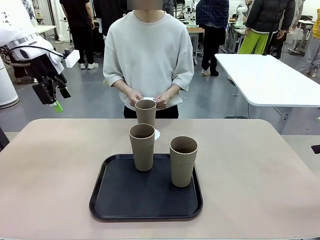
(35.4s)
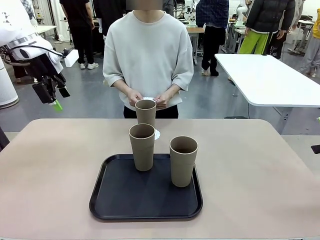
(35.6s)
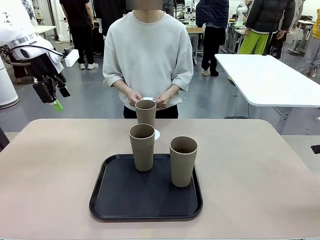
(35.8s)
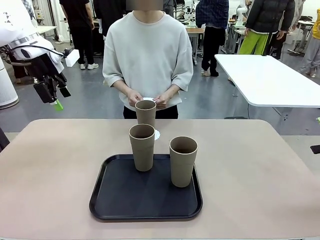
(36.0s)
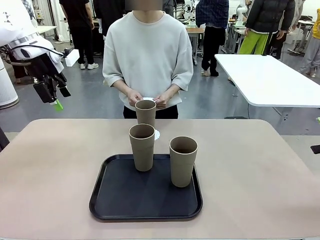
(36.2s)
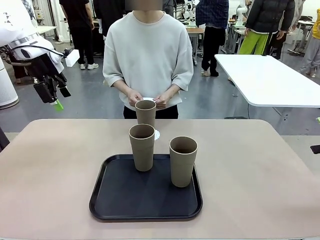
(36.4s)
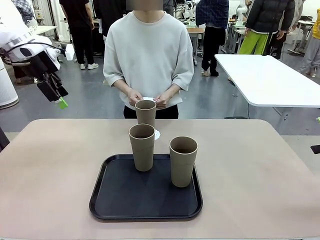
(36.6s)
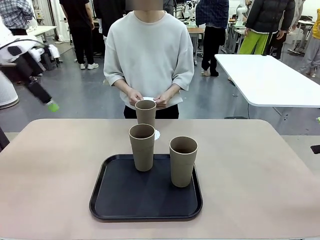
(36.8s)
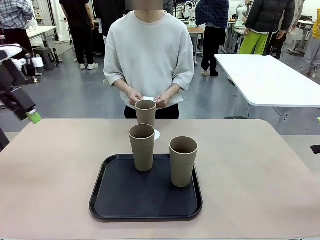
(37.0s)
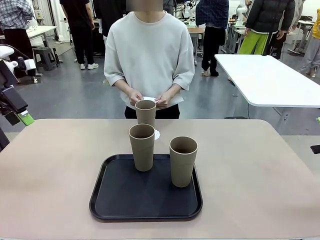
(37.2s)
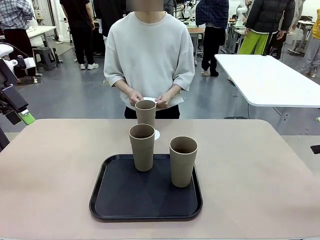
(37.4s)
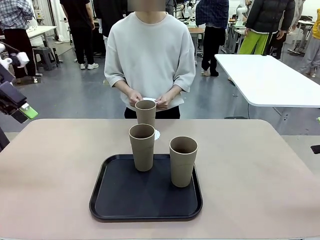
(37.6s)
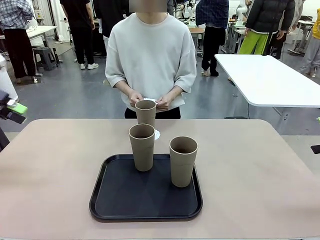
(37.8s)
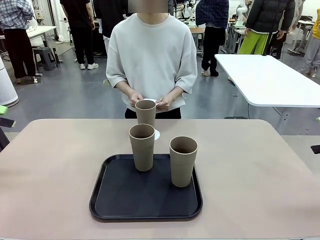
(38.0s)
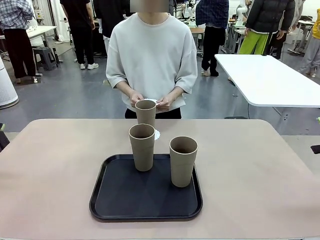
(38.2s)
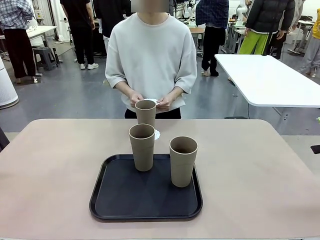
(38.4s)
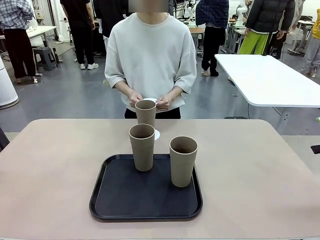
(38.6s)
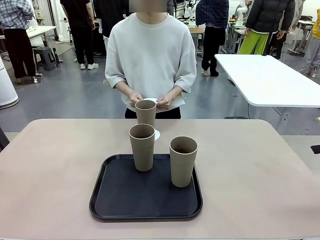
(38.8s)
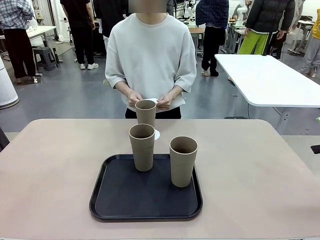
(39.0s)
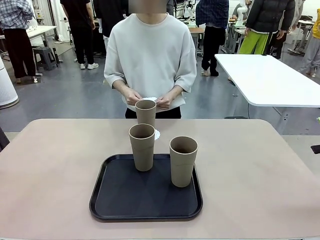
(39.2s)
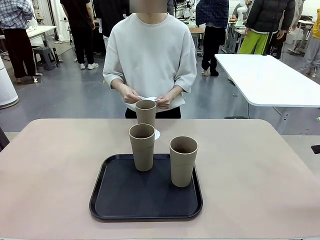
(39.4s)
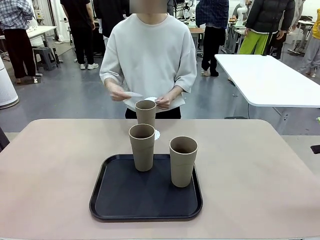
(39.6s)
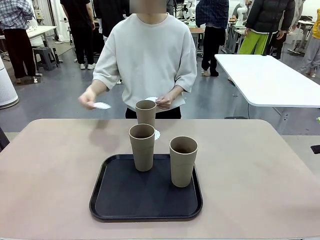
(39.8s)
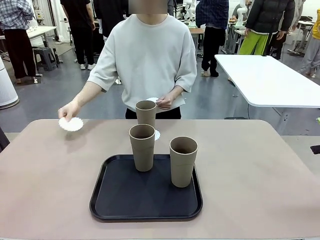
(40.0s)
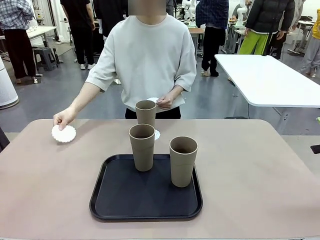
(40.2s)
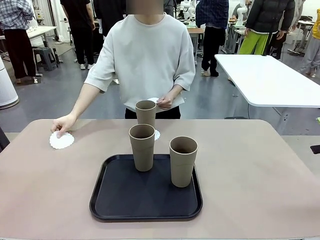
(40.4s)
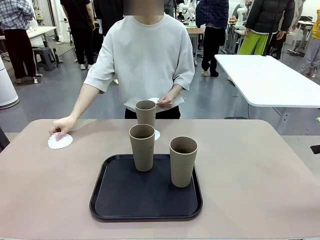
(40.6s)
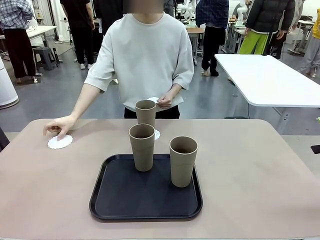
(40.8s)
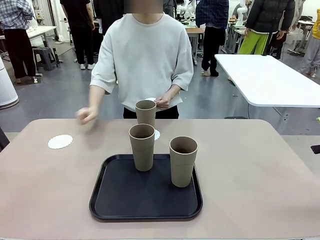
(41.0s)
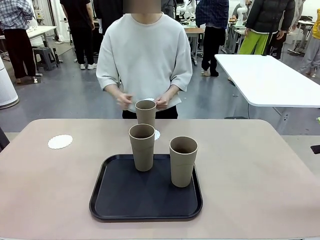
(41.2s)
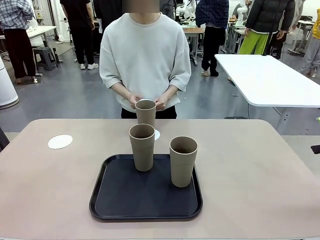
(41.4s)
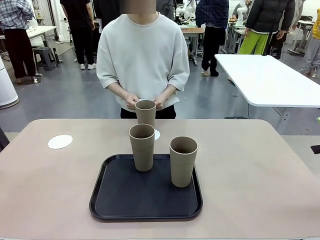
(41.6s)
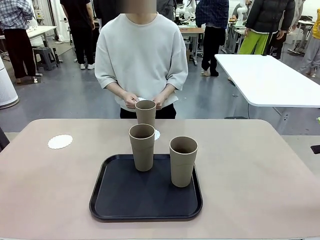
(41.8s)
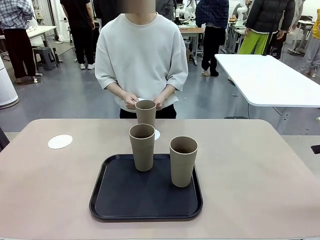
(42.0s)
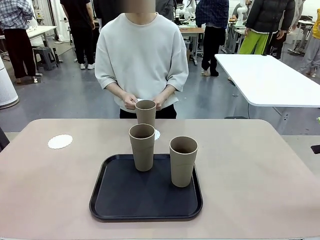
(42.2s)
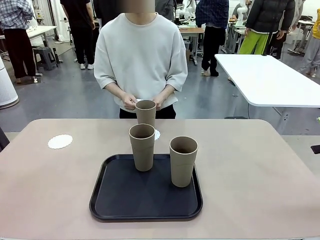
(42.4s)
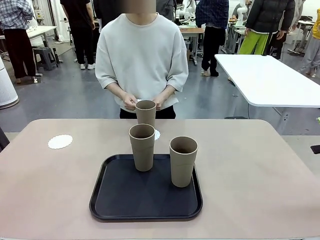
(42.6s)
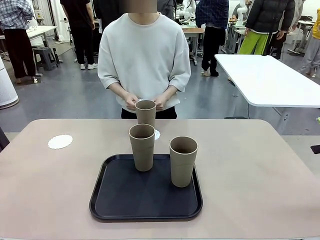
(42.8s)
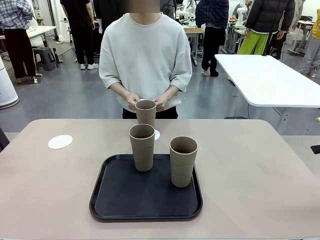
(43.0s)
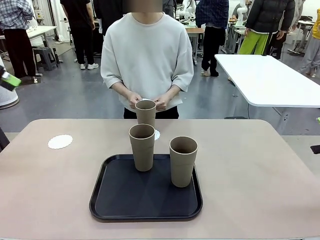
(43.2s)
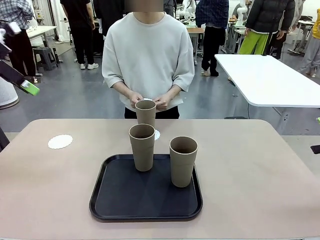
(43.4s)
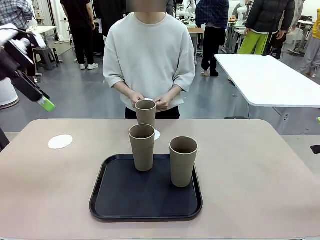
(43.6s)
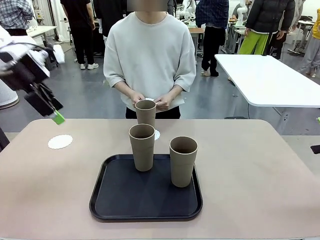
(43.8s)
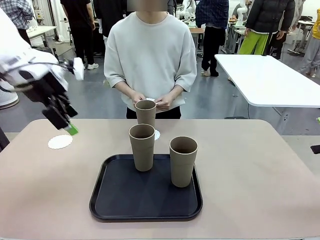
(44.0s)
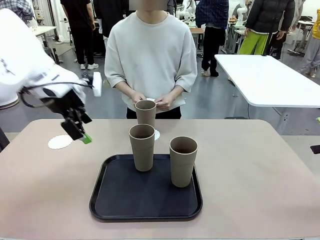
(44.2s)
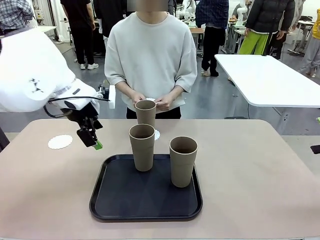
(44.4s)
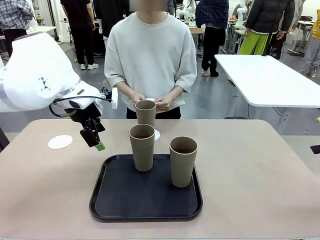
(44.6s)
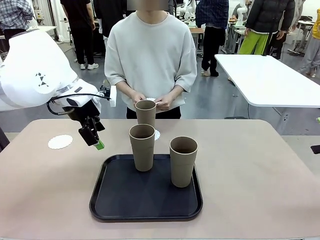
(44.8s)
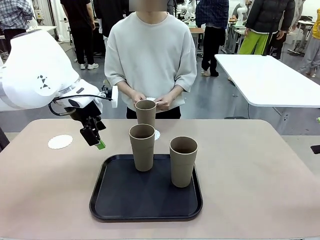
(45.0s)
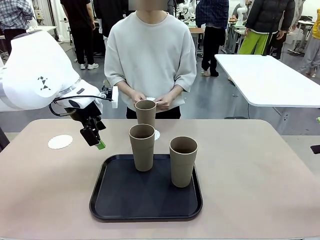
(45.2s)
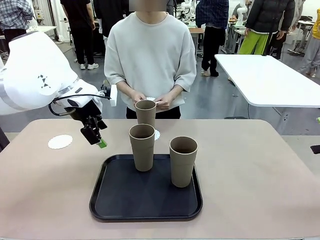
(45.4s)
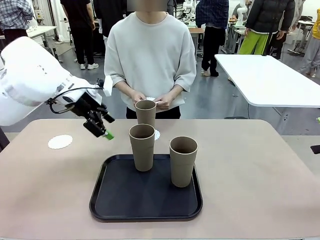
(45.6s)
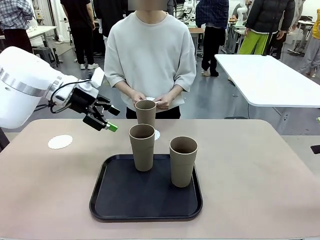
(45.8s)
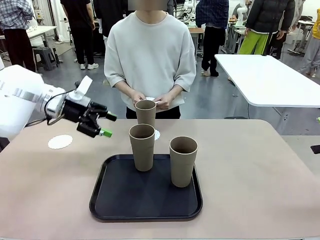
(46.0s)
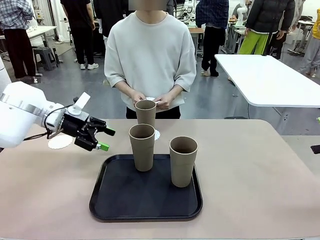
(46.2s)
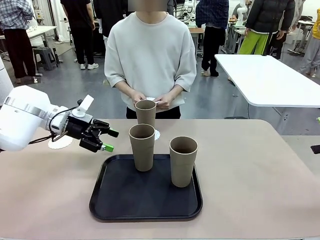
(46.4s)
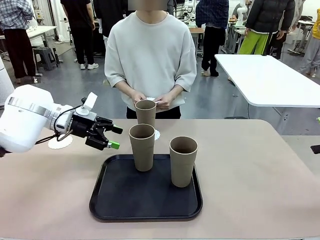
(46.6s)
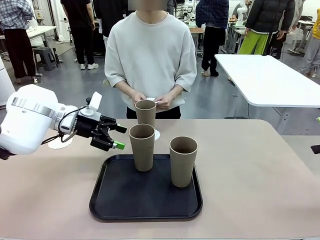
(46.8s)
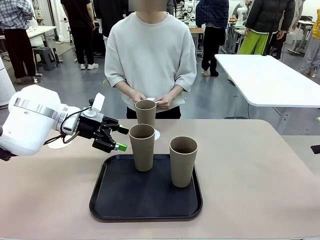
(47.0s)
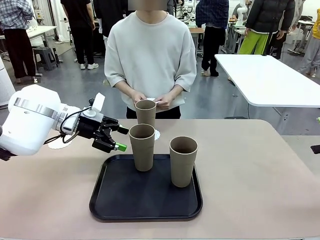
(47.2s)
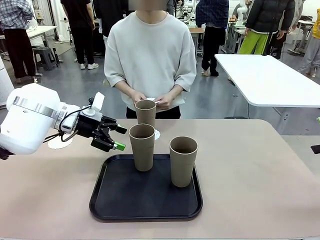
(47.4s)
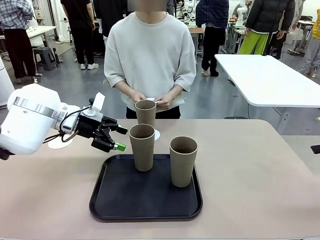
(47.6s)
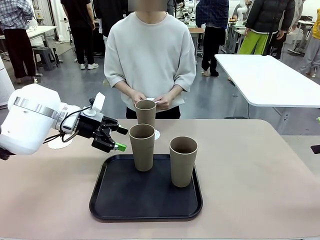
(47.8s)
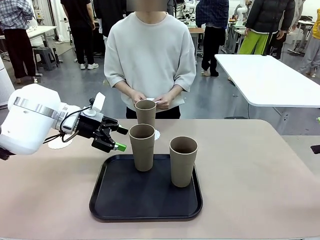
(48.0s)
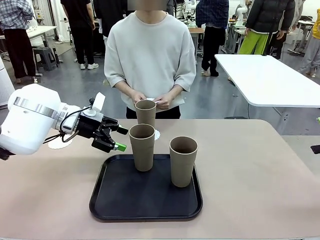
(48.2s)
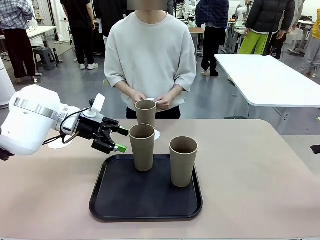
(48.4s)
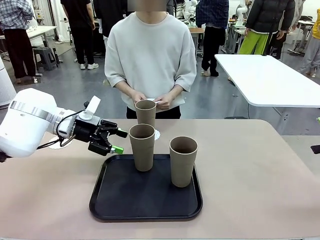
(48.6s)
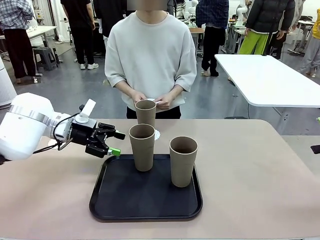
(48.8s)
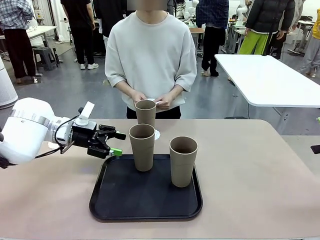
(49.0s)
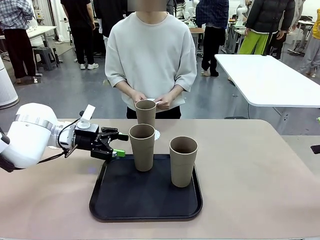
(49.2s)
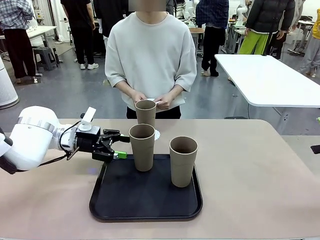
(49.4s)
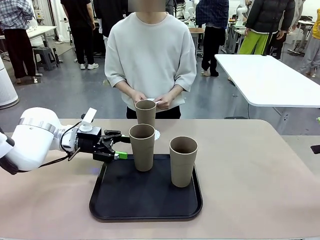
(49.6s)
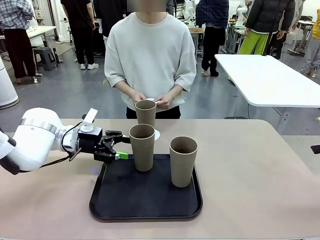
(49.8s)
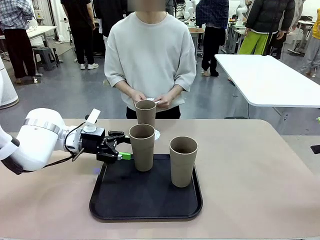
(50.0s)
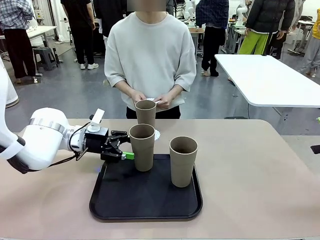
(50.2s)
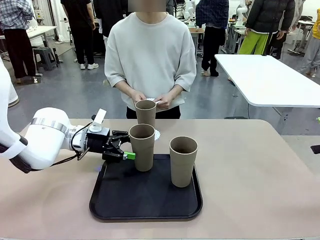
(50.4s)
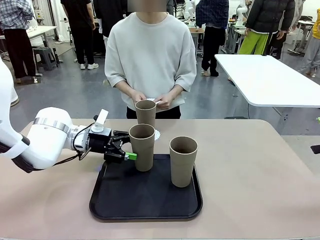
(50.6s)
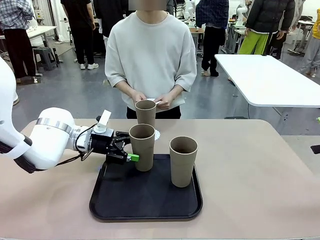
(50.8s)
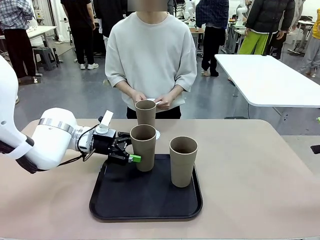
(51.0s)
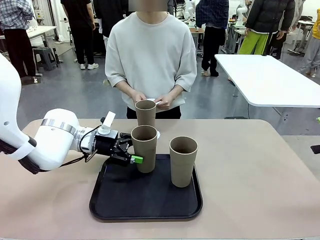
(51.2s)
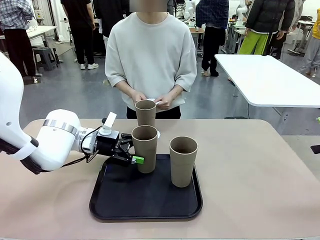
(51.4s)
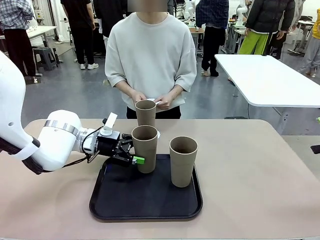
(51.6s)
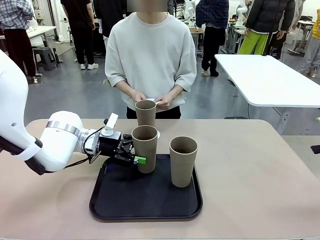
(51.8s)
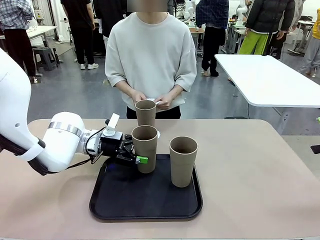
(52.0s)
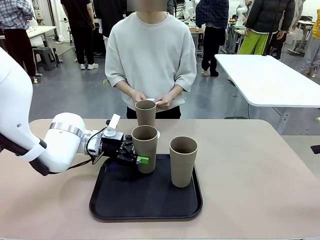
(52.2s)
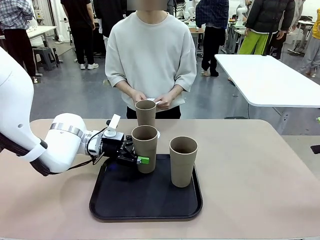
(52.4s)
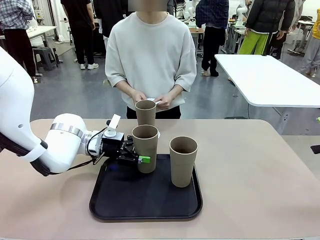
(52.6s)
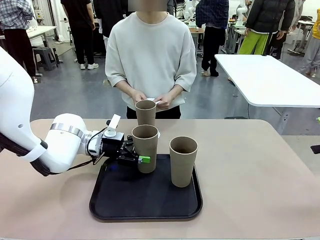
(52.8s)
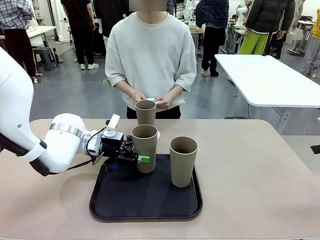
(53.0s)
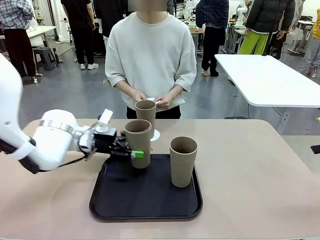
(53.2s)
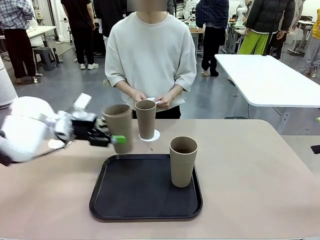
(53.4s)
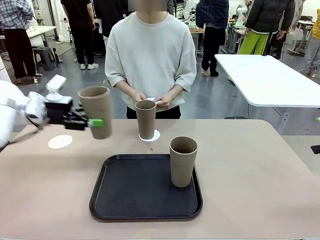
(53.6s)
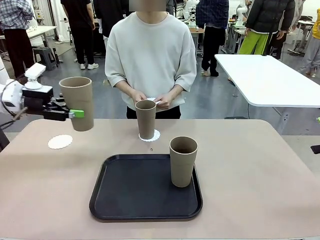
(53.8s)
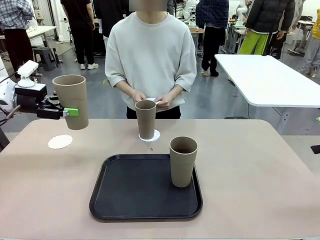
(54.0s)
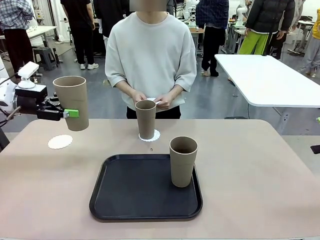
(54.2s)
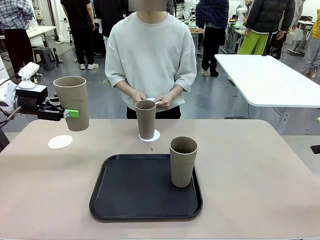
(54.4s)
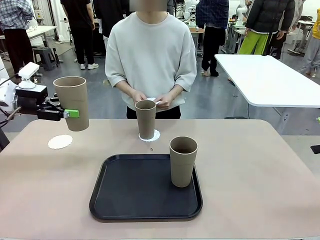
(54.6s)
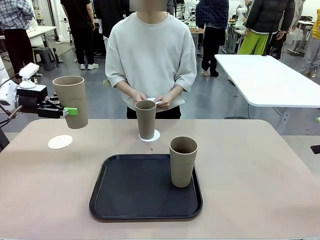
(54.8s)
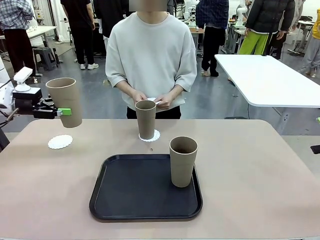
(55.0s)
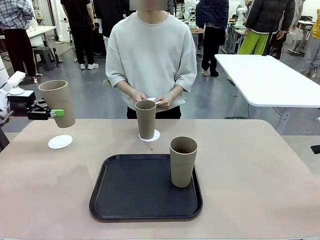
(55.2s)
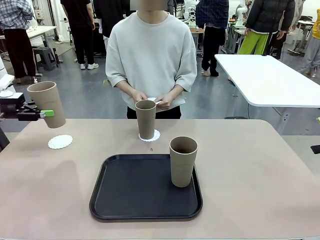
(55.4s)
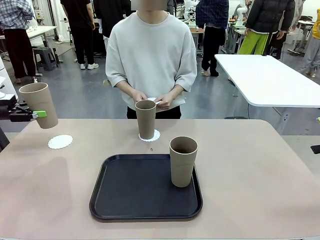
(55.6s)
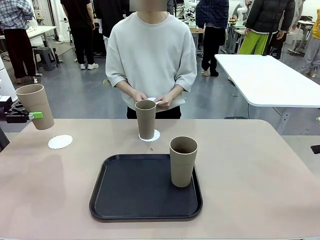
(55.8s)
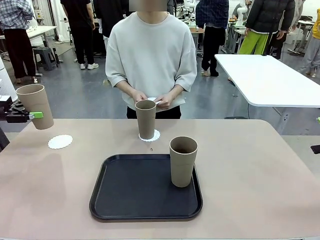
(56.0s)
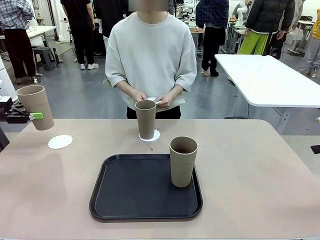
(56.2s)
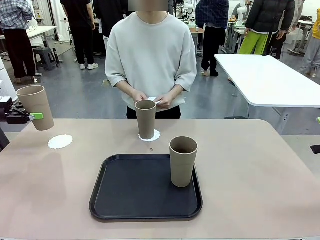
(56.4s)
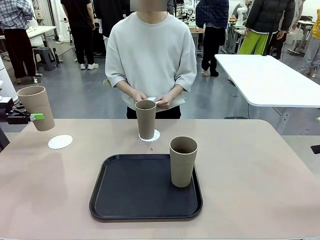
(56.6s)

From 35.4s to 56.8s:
Task: Place coasters on the table and set cups on them.
Robot: Take one Reusable plastic cup from the Flat Tray and place it on a coaster set by the human.

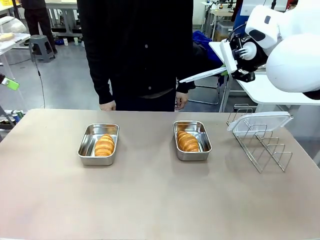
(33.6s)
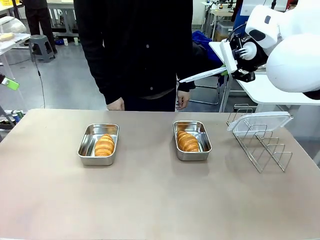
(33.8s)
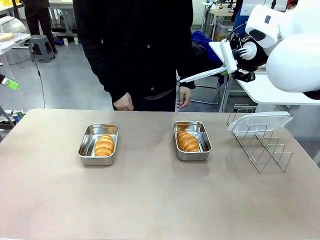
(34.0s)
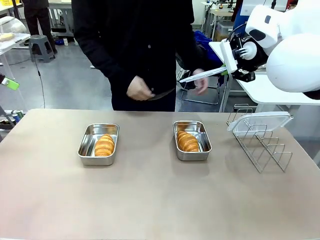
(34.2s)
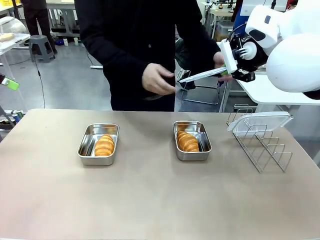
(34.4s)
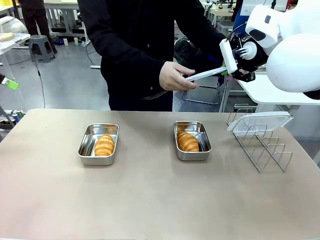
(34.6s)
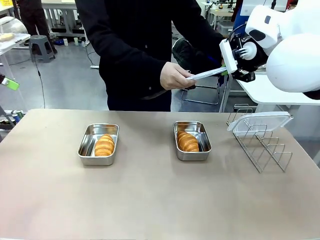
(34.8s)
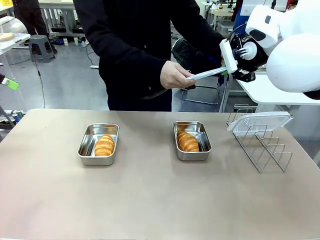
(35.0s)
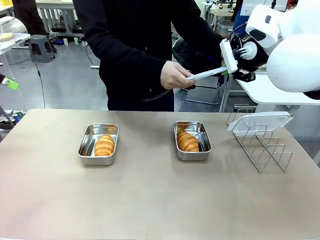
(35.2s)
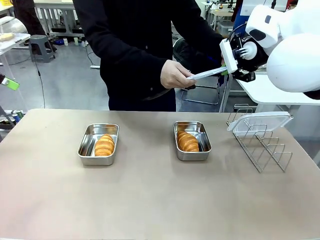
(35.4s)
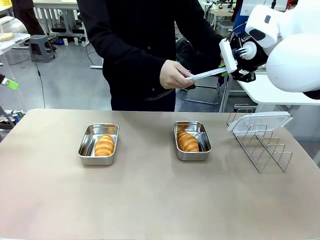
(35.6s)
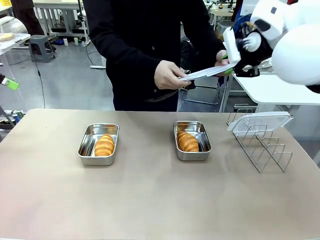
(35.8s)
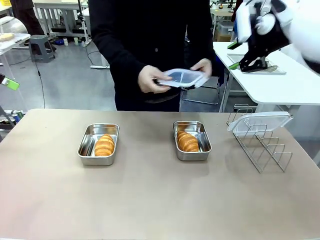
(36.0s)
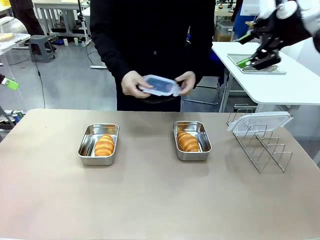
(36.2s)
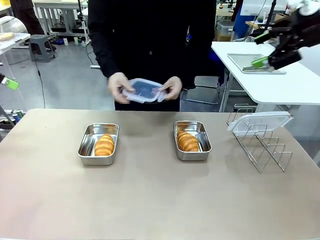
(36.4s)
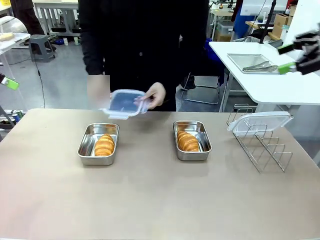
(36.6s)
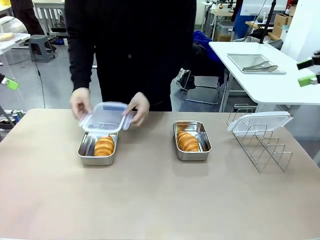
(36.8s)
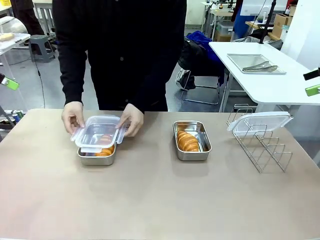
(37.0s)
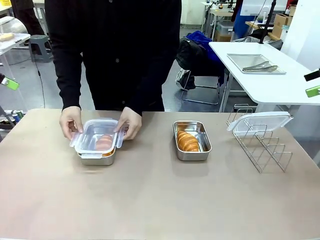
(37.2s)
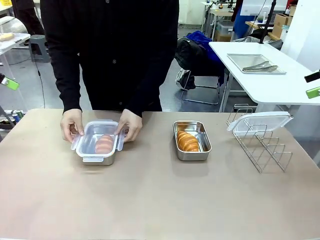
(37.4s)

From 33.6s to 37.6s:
Task: Place the bread in airtight containers.
Robot: Release when the human grabs the Airtight Container lid.
